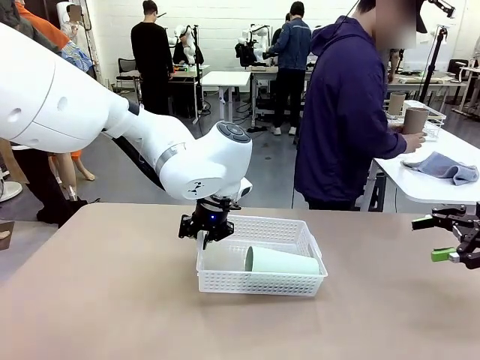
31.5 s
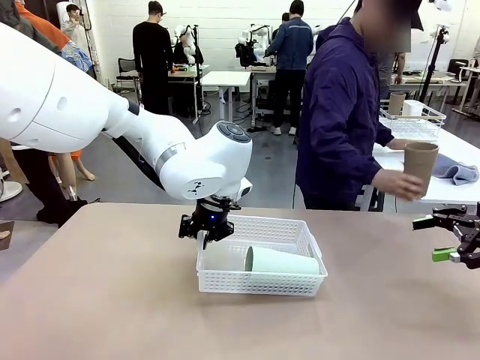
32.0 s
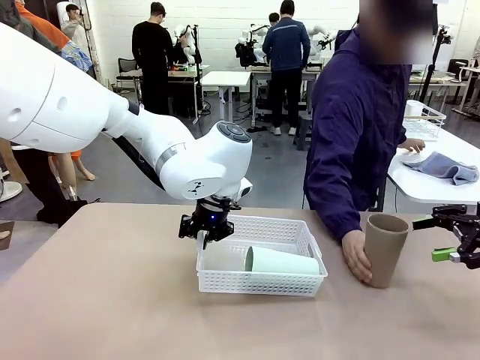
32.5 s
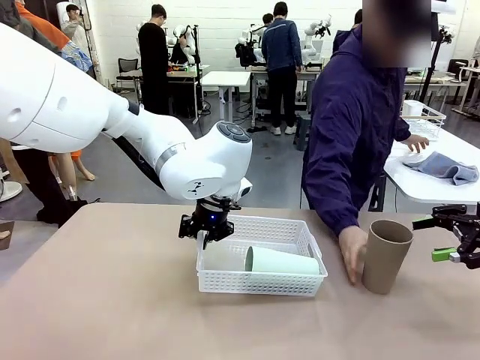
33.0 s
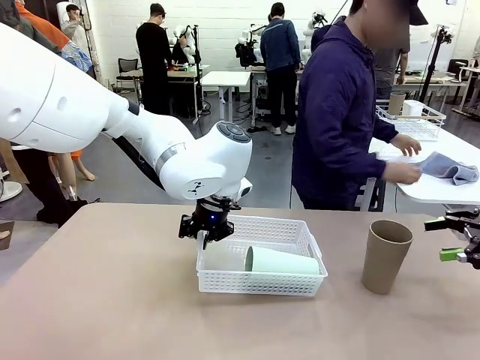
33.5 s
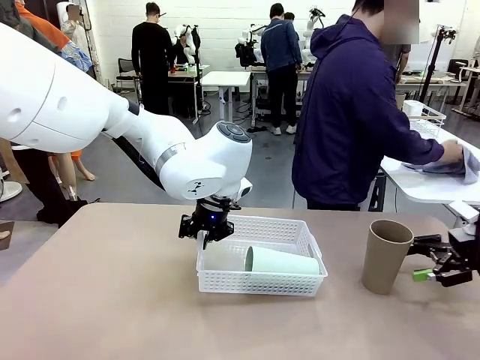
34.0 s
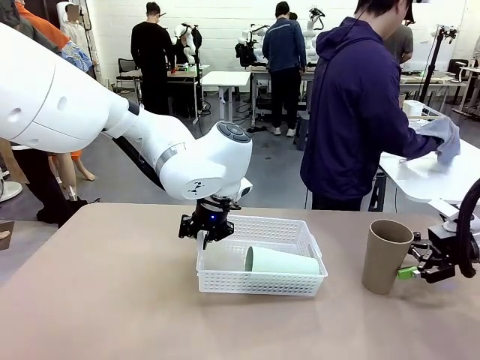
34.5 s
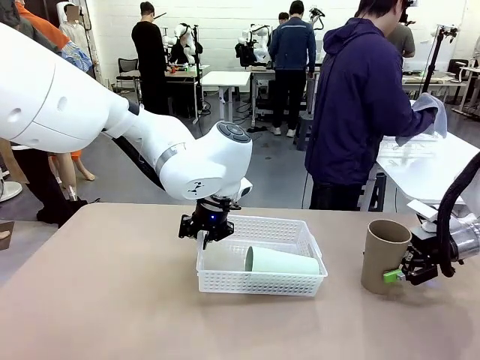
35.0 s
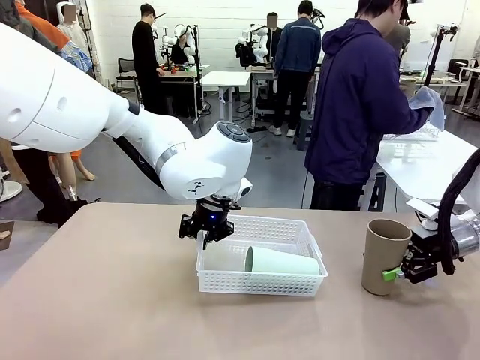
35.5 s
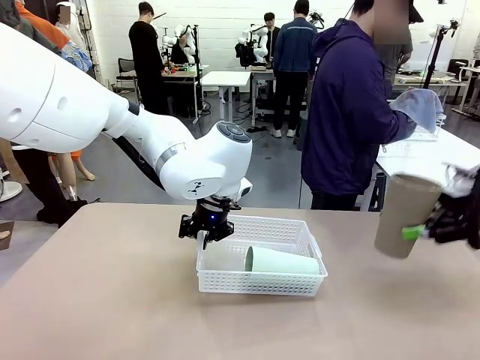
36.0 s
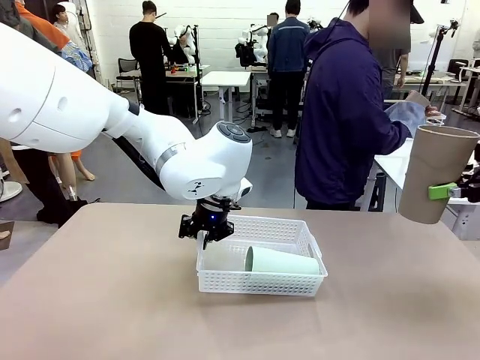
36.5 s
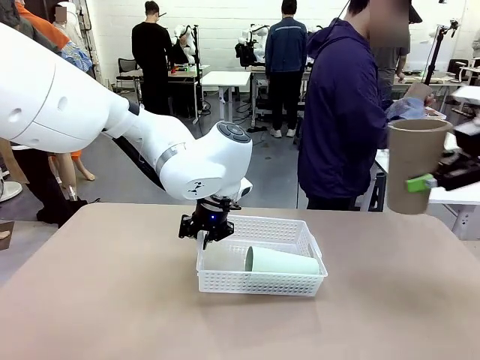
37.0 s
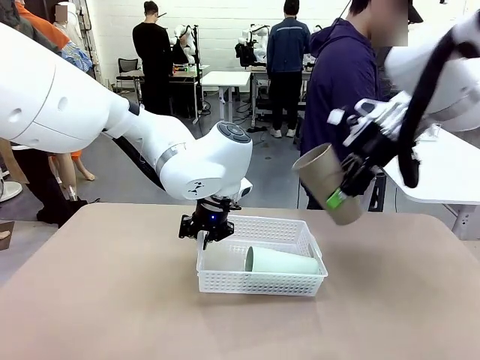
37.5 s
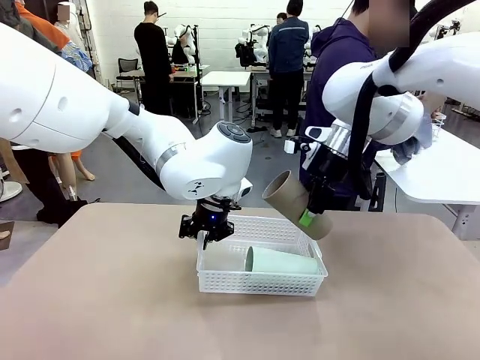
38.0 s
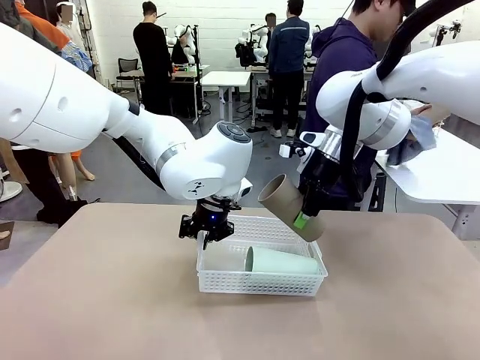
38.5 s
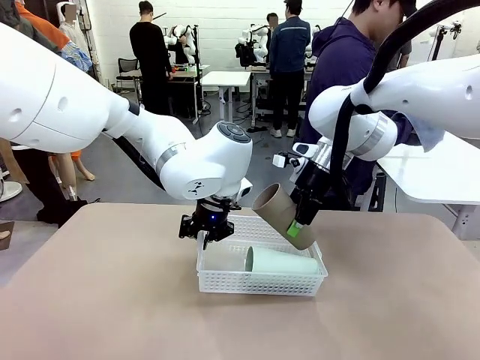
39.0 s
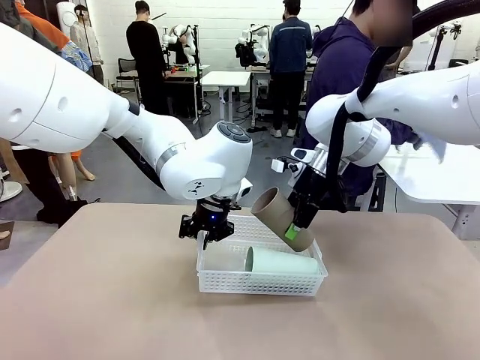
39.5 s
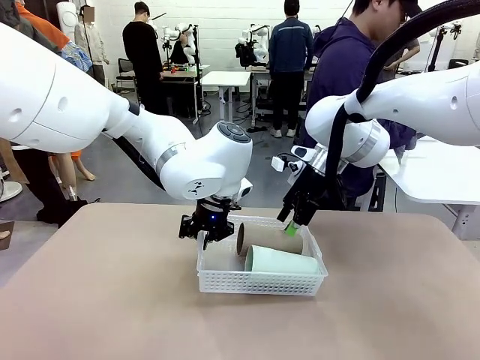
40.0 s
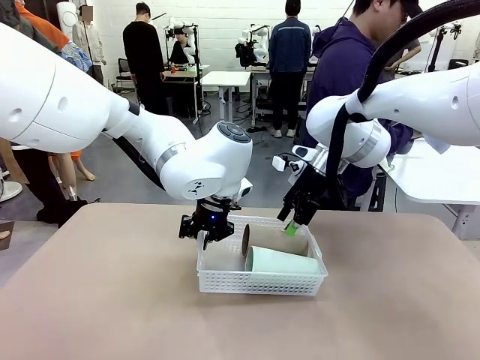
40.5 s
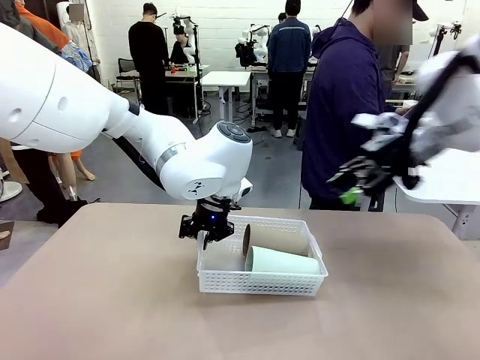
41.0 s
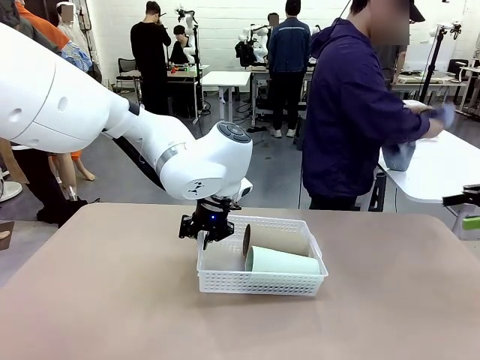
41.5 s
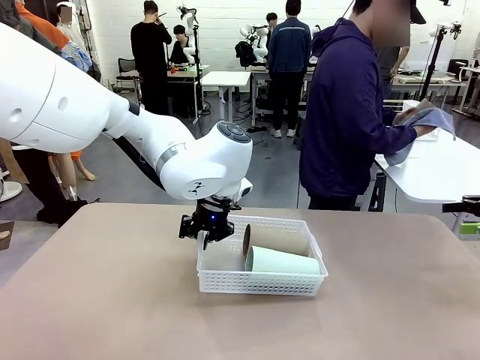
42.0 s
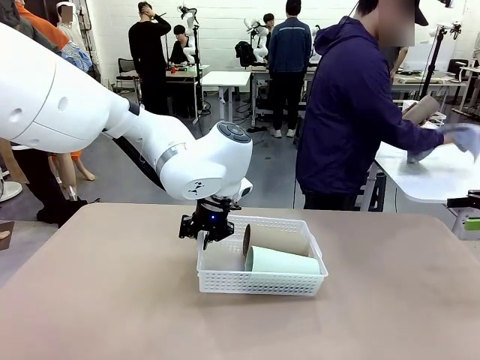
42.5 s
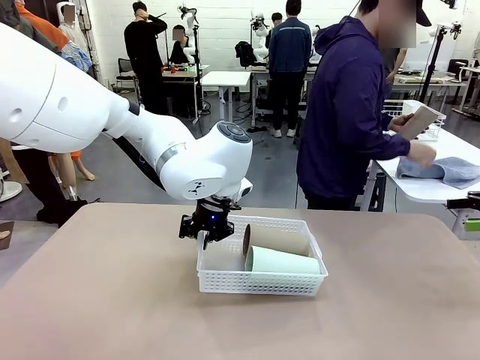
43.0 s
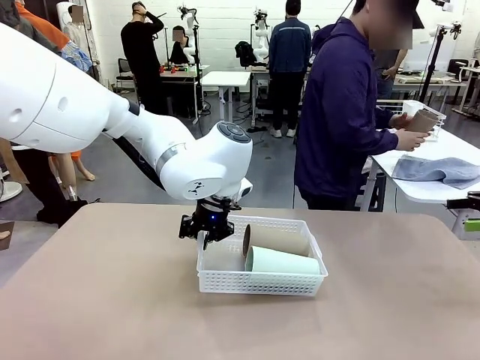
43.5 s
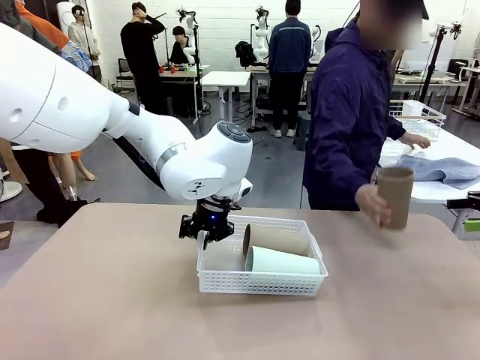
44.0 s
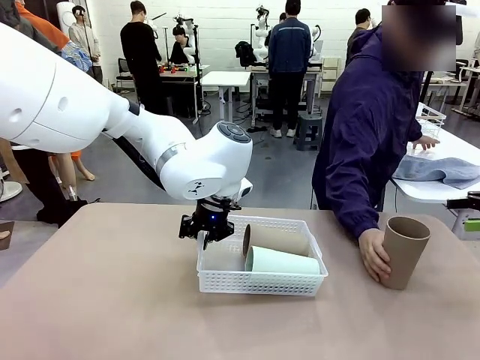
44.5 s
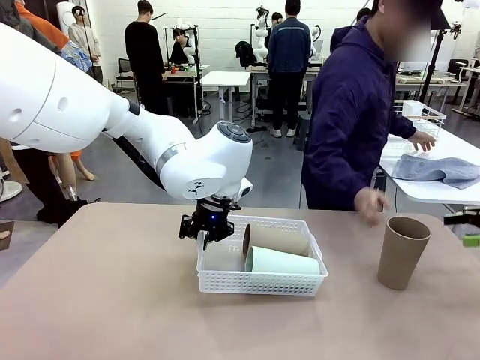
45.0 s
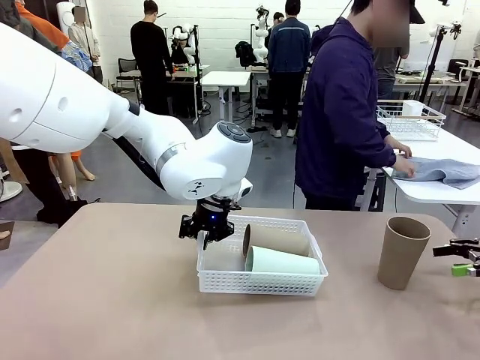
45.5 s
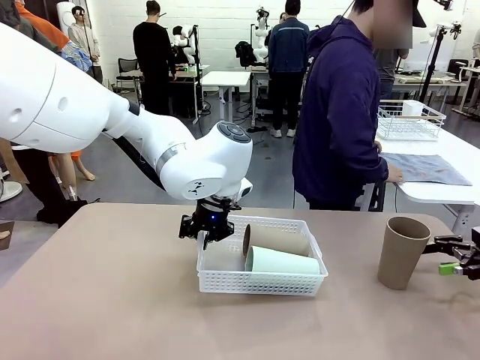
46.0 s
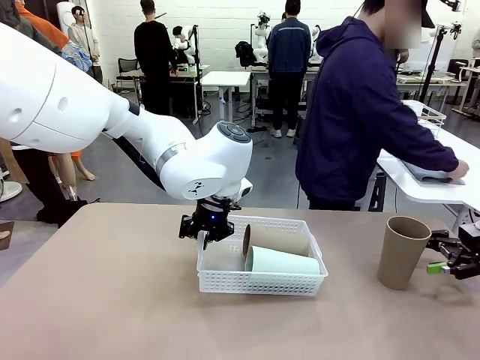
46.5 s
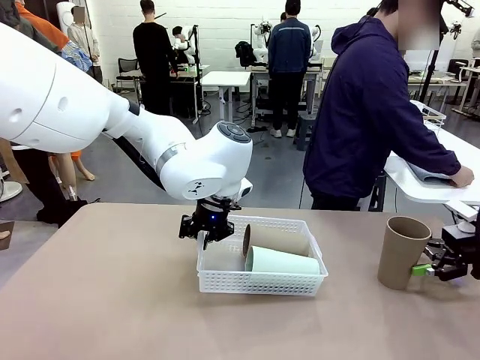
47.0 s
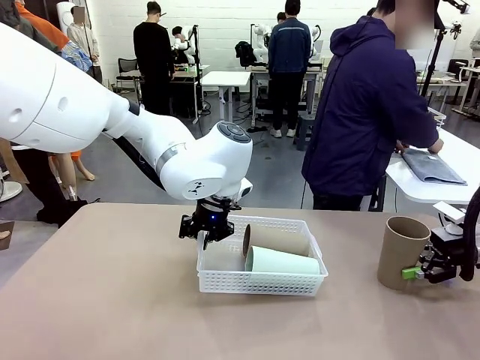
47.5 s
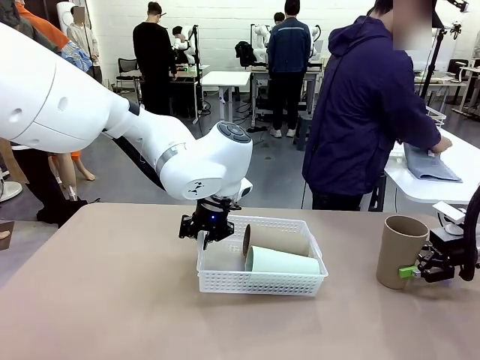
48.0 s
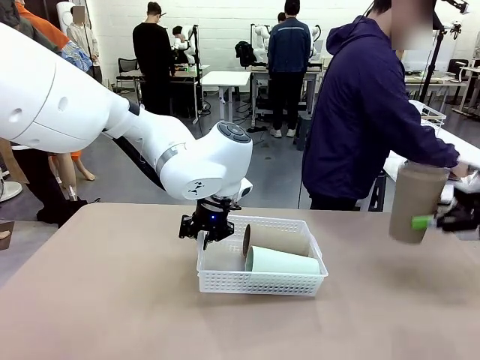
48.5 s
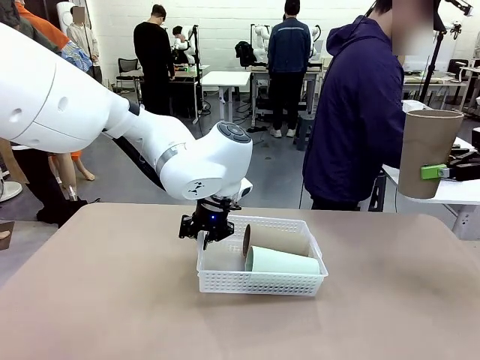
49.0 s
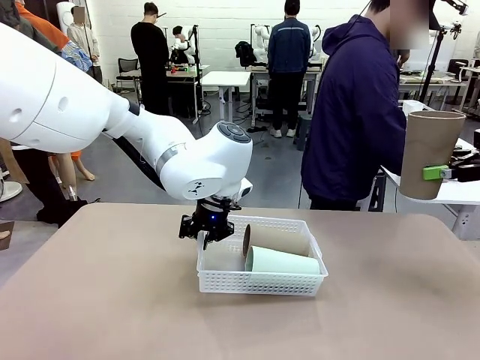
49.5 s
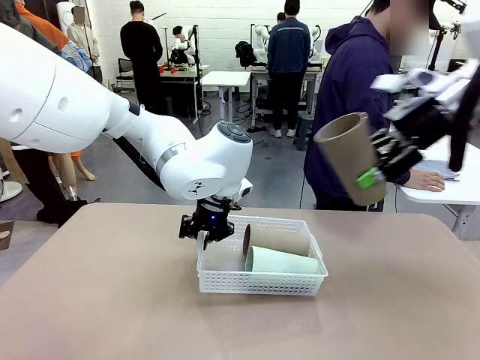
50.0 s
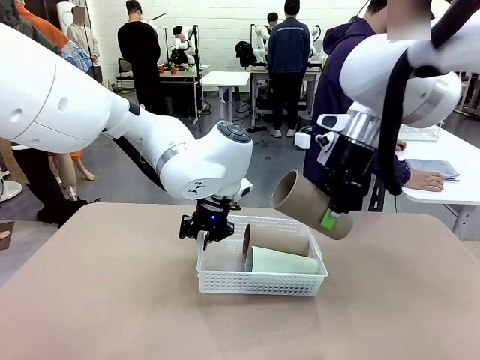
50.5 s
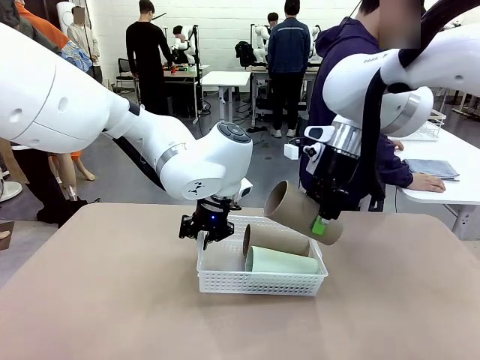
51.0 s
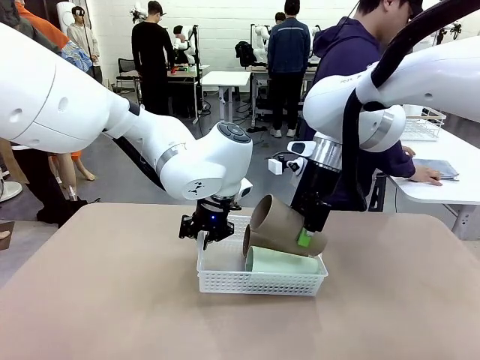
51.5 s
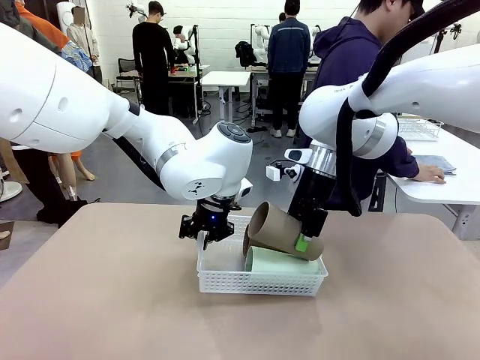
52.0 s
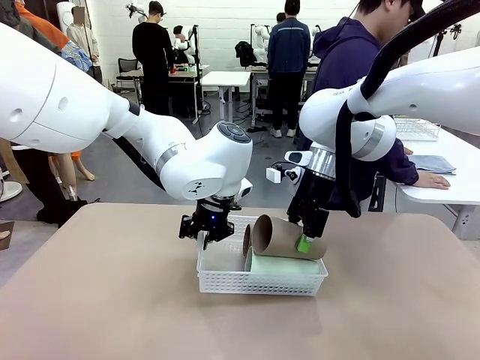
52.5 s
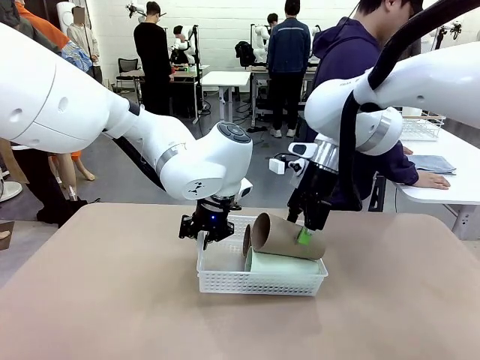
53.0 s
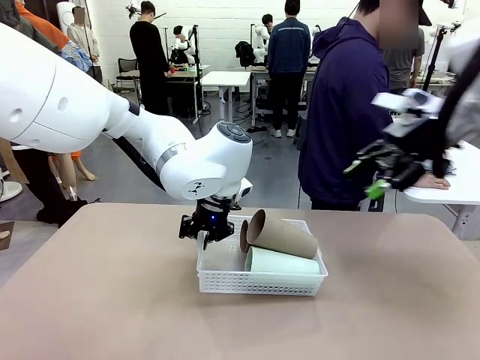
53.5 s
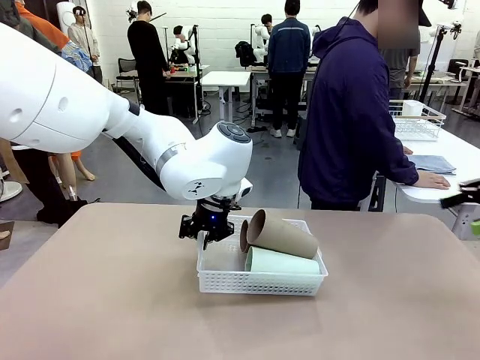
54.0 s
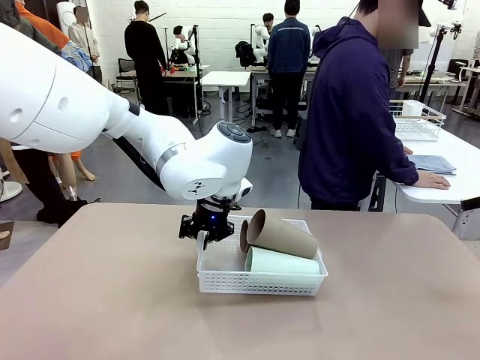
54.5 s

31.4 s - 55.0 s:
Task: Clean and organize the cups into the basket.
Robot: Pick up the Reusable plastic cup from the right side of the table and stack it inside the Organizing basket in the center of the table.
Person: Folds the towel in half twice and places it in the right of the table.
